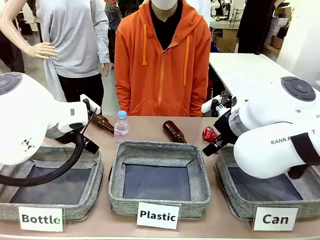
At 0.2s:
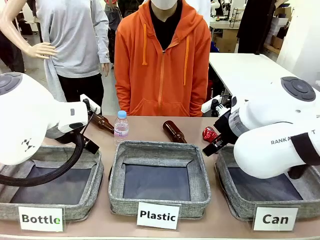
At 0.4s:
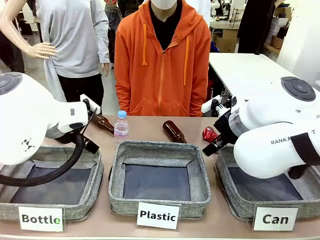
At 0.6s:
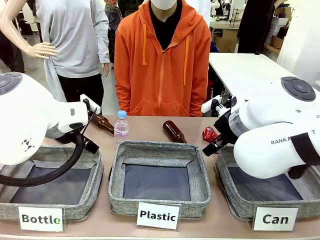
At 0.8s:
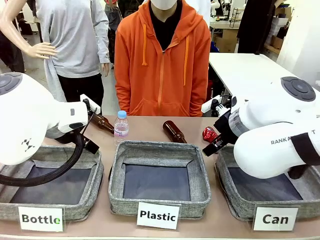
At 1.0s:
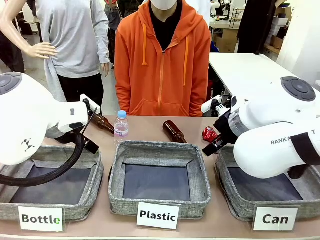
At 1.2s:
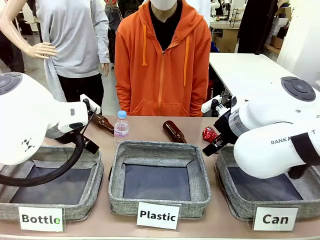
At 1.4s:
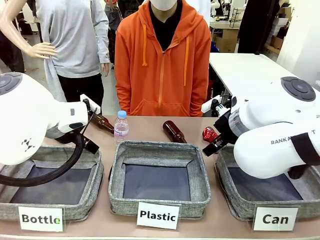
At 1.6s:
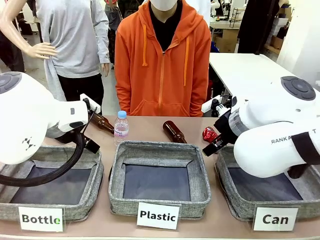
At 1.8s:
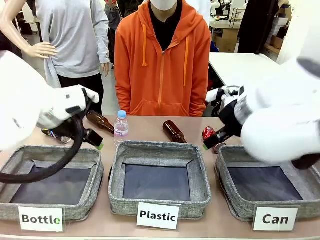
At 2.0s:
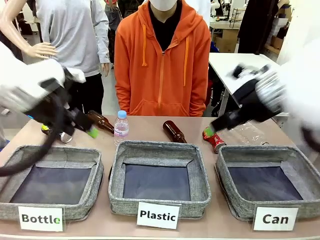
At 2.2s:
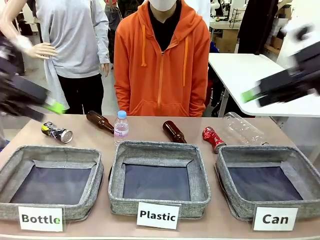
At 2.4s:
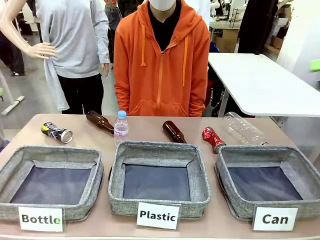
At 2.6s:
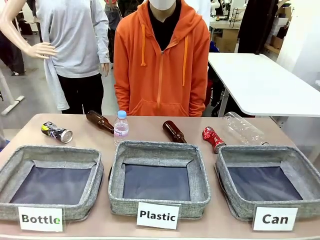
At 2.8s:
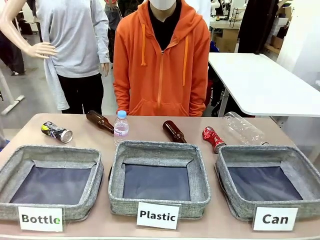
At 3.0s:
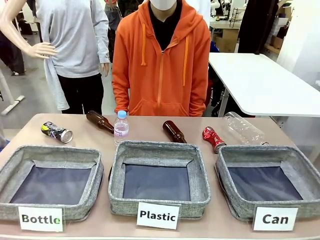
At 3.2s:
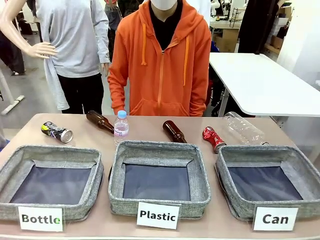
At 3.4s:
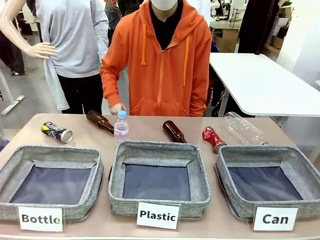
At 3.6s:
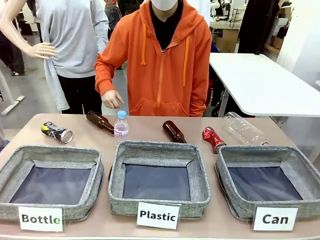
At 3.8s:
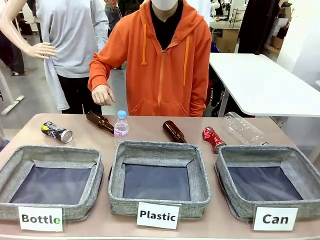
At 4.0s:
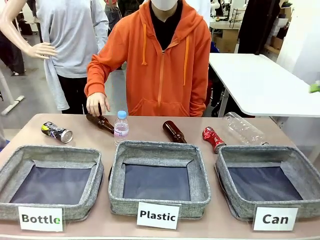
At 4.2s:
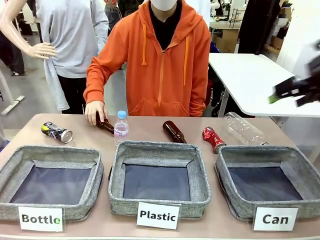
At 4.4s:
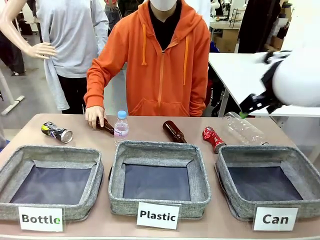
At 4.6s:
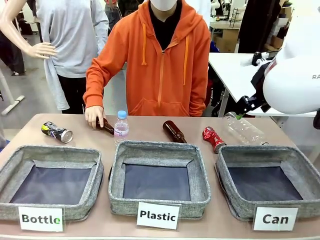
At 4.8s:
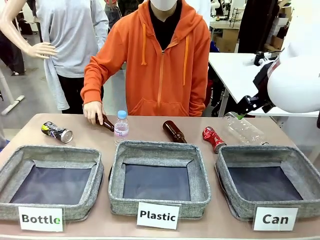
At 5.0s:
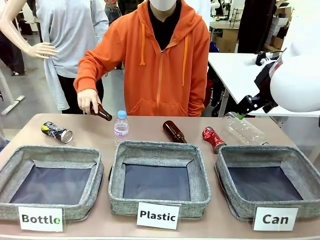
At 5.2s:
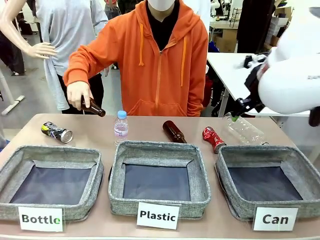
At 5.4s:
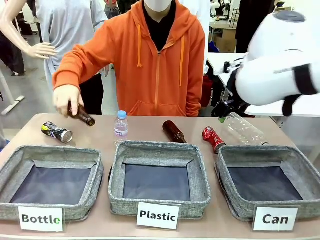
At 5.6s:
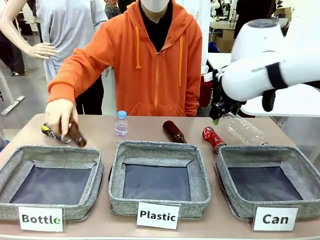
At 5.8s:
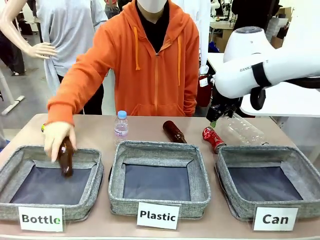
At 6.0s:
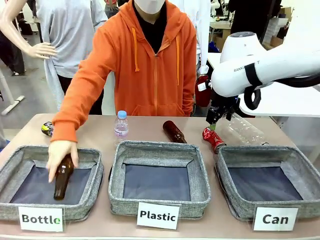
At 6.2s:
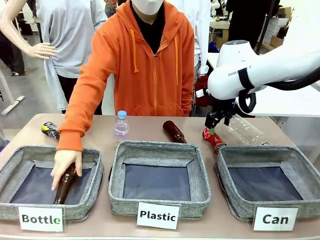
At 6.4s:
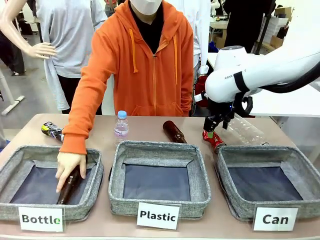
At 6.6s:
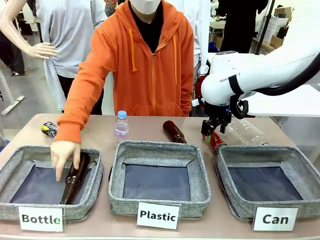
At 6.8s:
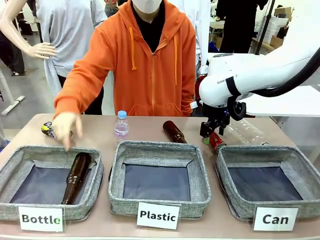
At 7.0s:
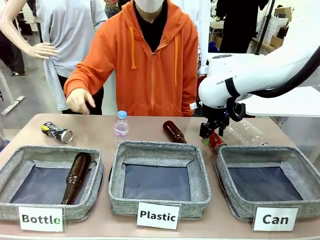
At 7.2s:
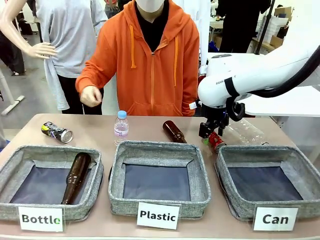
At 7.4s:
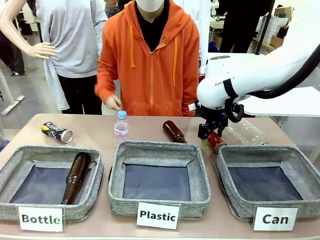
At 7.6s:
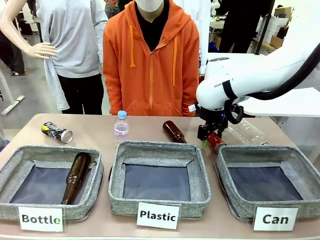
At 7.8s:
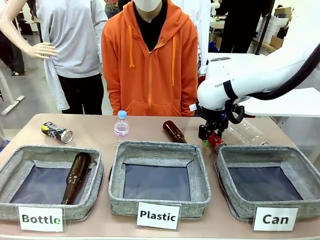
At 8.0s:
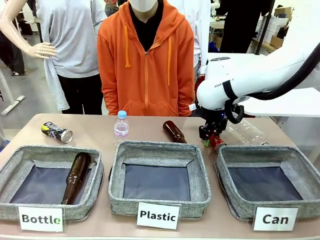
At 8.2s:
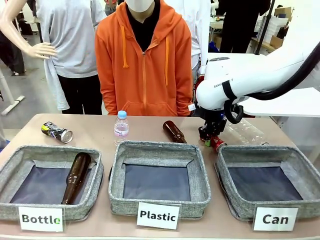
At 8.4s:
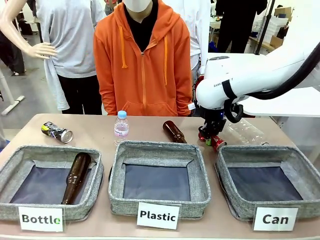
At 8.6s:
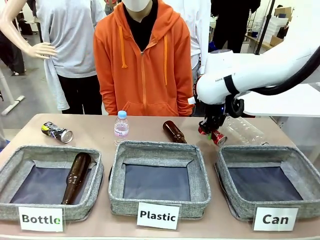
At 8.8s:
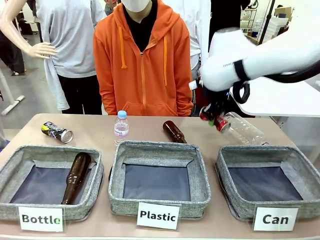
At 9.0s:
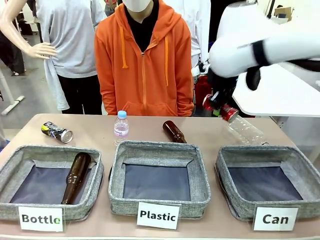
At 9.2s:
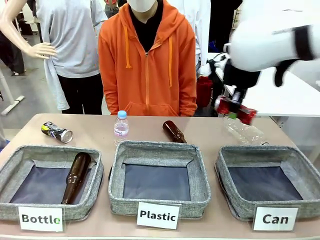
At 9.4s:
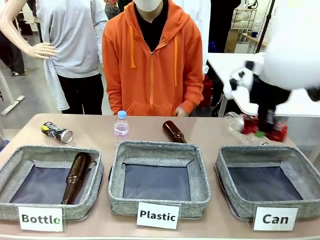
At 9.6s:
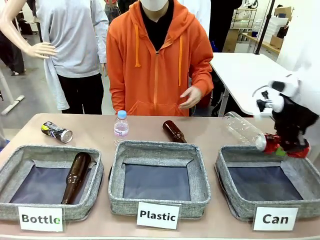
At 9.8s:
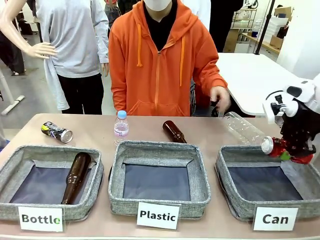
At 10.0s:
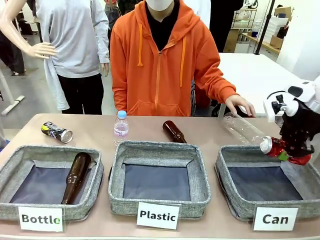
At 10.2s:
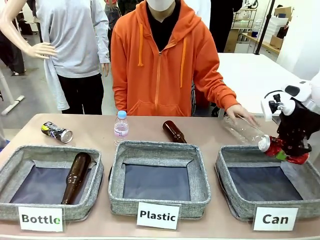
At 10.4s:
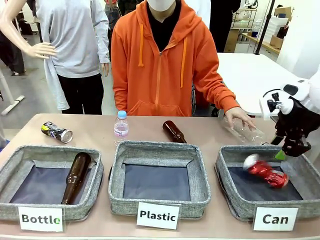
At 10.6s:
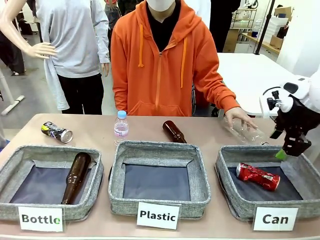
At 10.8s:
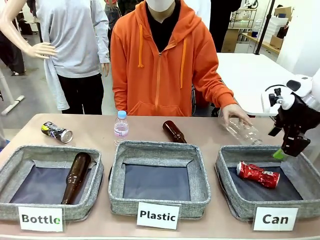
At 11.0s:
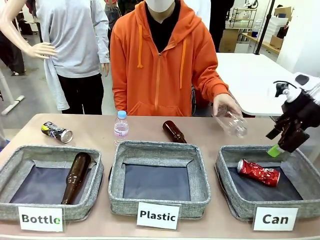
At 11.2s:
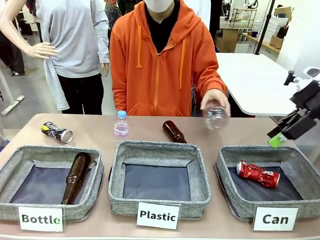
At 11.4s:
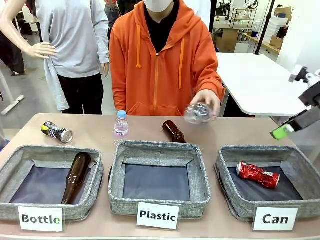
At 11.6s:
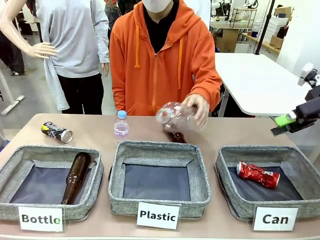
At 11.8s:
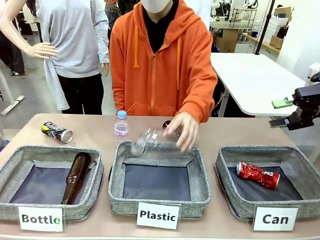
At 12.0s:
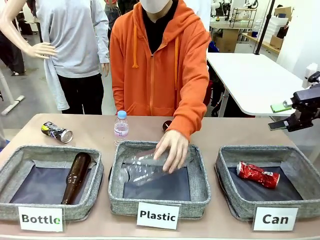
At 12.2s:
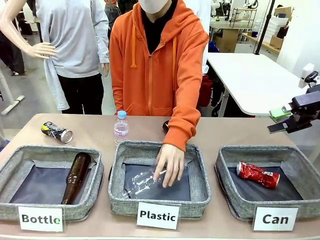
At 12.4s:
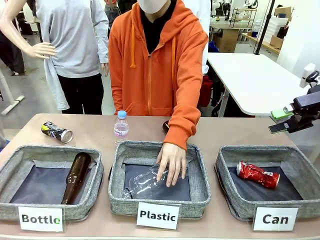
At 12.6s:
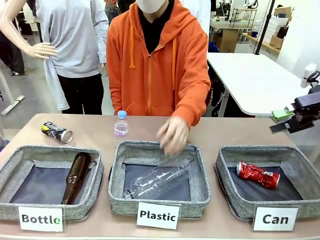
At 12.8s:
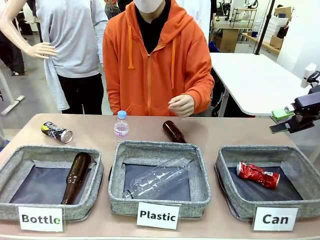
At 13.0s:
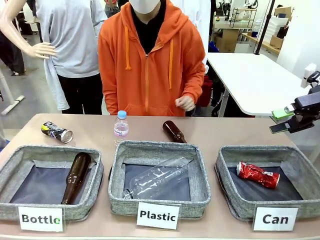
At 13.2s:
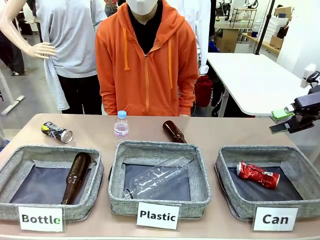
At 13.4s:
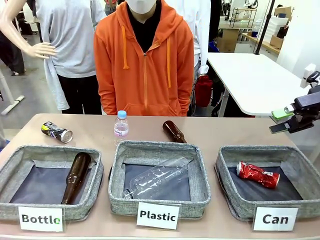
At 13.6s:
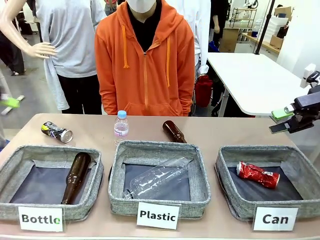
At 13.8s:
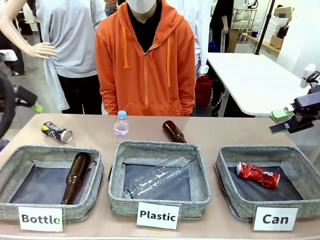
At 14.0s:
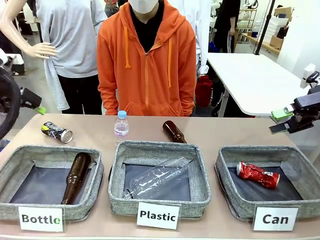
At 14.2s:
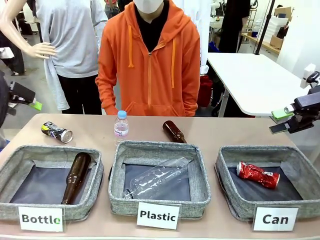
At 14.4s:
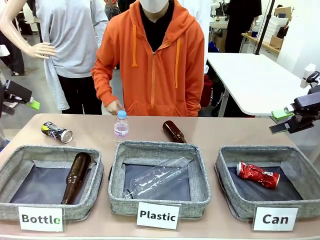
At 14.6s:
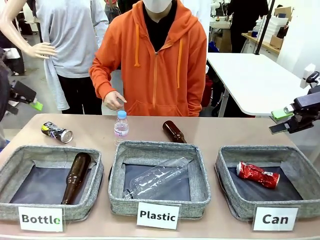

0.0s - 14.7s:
Task: Sort the can waste into the basket.
Robot: Pick up the can waste from the table and place it in the right Fabric basket.

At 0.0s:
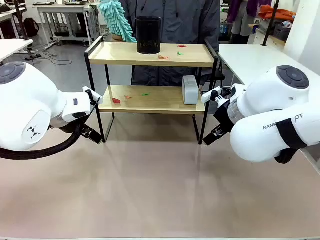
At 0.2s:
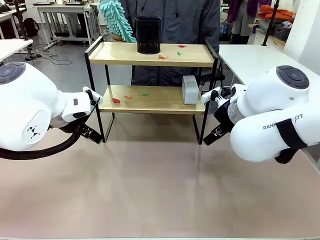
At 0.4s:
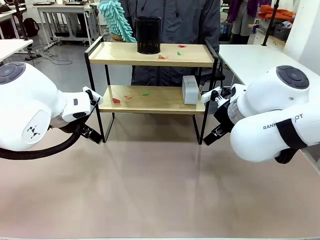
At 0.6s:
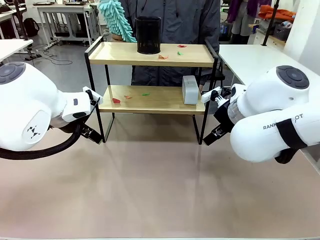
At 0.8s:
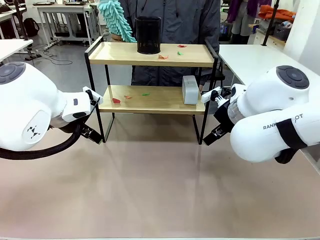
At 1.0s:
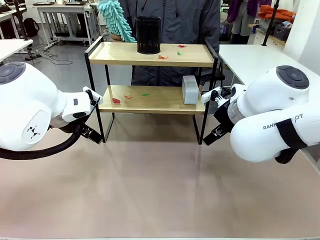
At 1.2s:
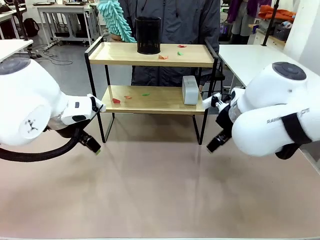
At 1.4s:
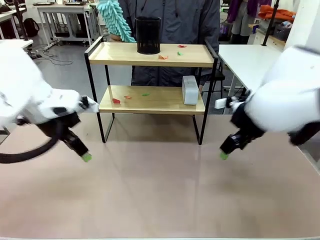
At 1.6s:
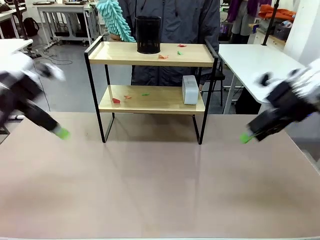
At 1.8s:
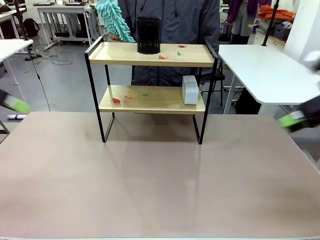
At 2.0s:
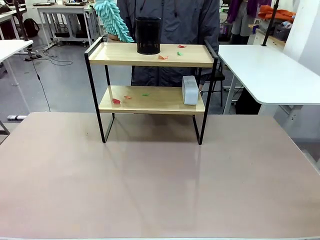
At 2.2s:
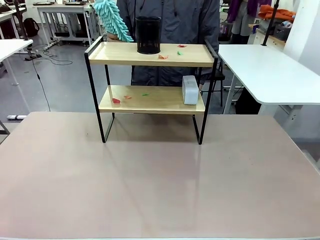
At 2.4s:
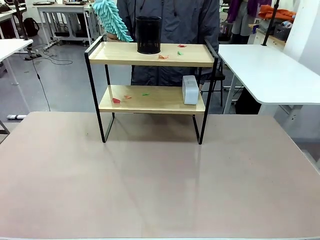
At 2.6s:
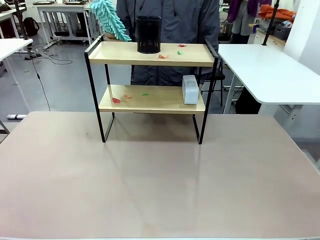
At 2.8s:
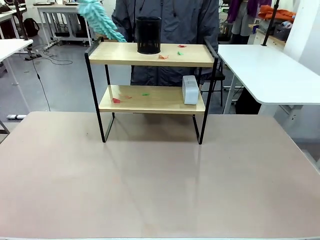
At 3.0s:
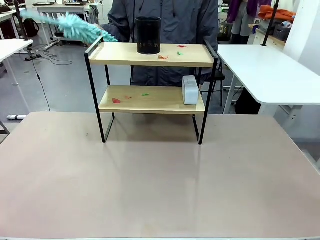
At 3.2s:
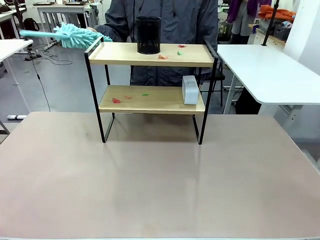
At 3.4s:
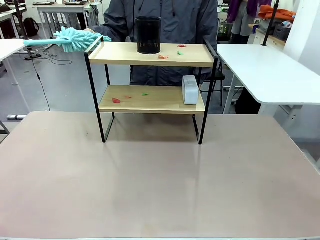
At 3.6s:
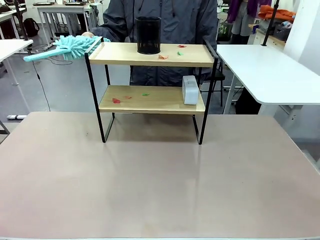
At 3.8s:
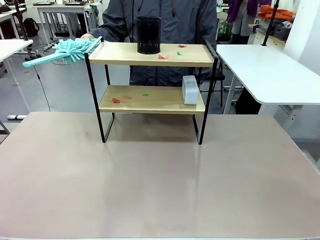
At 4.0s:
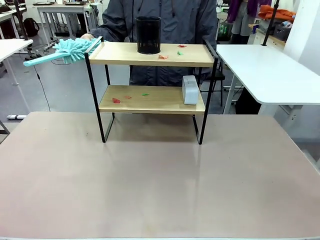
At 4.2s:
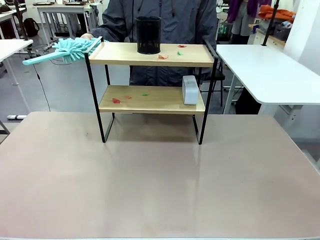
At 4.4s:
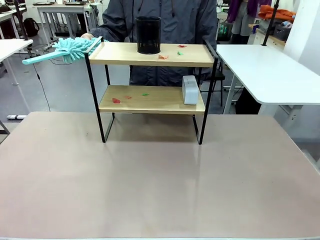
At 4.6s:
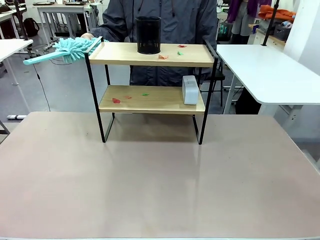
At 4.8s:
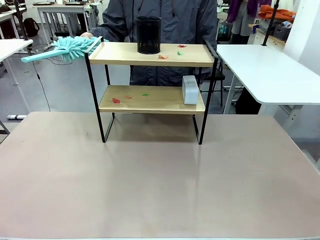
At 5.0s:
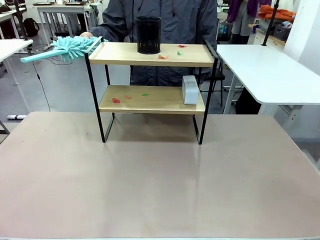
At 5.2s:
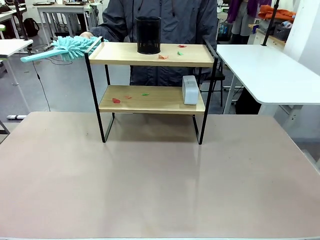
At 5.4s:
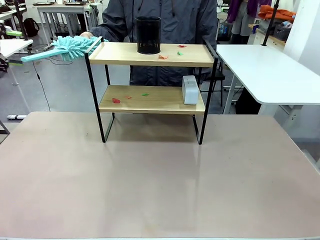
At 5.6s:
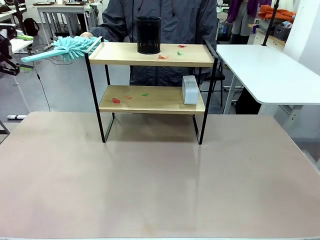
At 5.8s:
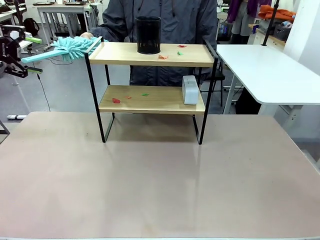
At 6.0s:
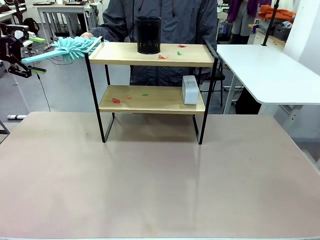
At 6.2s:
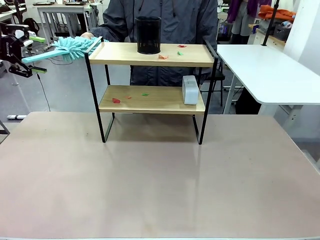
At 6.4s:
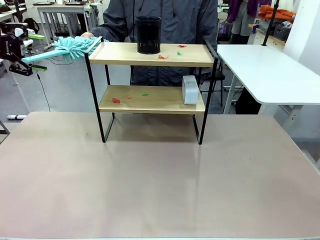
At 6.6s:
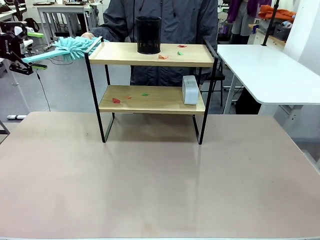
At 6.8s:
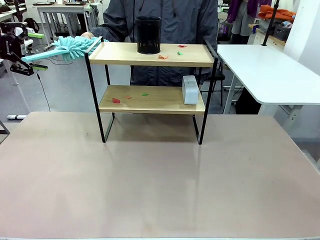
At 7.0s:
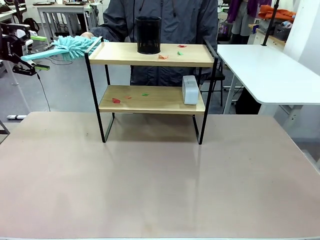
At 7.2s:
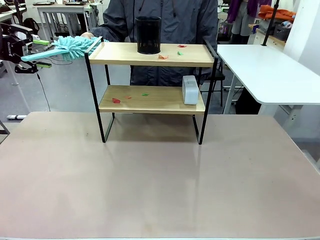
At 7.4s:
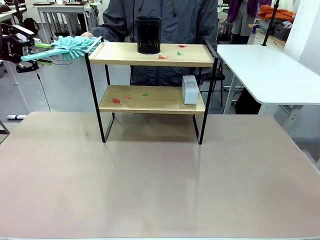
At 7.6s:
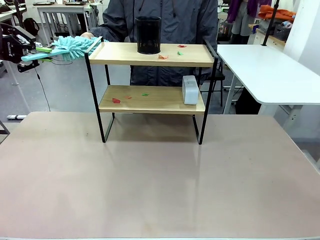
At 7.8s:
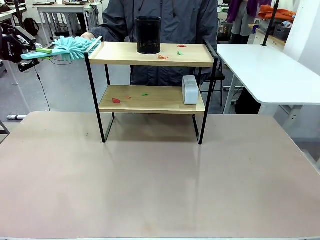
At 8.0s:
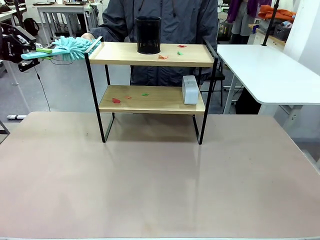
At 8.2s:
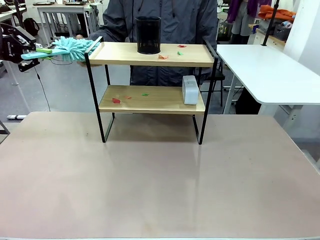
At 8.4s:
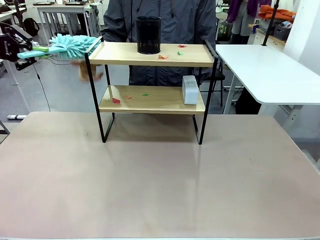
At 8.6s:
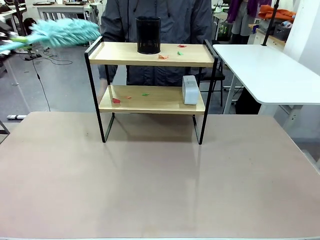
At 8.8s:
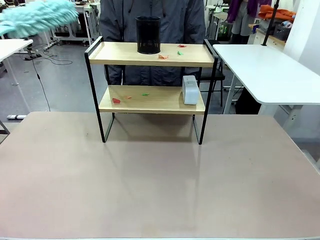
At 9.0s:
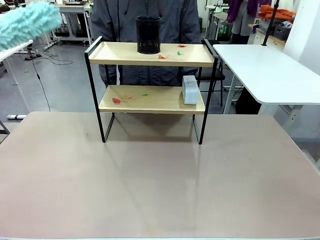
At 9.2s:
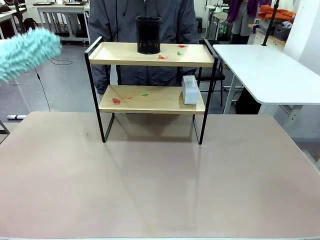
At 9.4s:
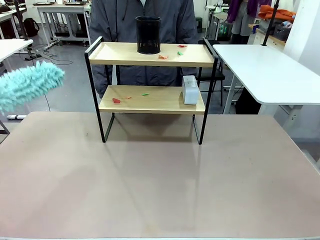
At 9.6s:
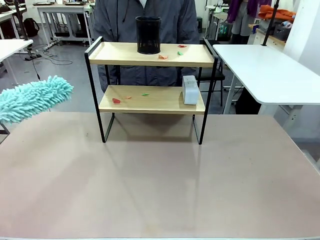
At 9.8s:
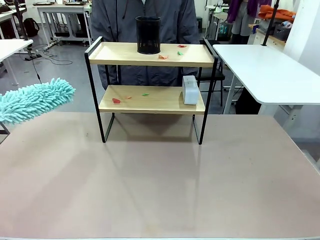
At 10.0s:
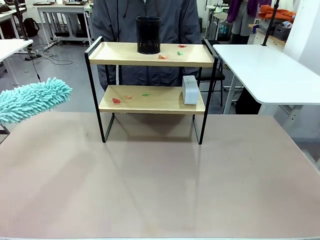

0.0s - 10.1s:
Task: Clean the shelf.
Robot: Pick up the Duster from the human.
Person: Hand the Duster to the robot.
